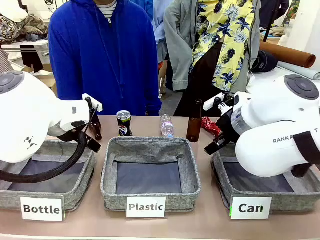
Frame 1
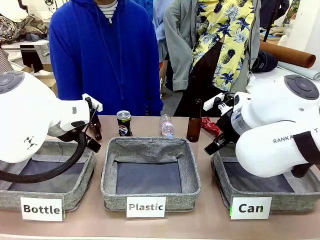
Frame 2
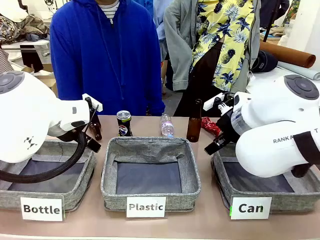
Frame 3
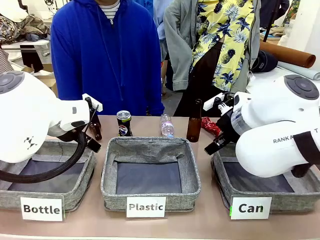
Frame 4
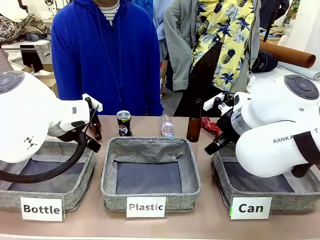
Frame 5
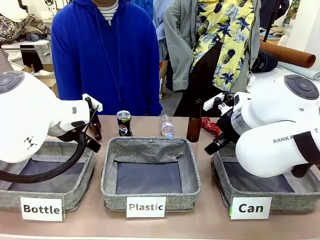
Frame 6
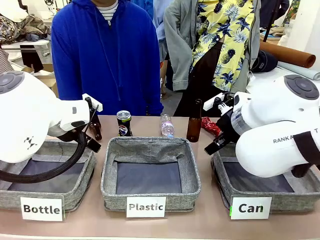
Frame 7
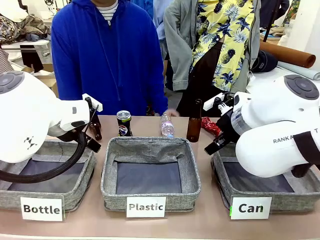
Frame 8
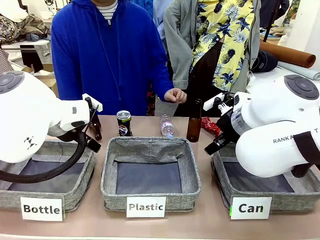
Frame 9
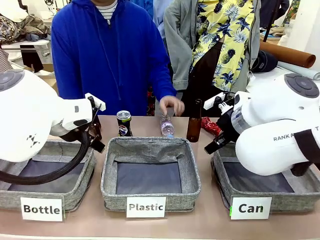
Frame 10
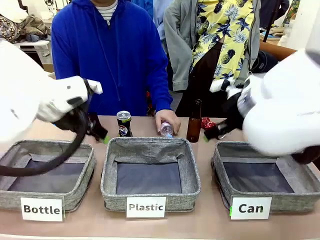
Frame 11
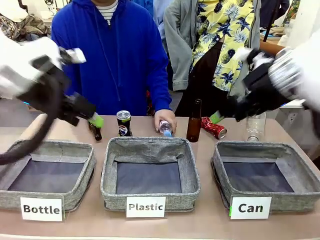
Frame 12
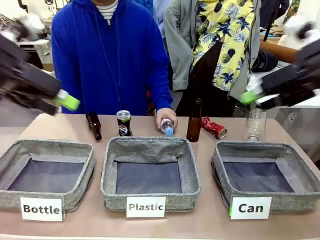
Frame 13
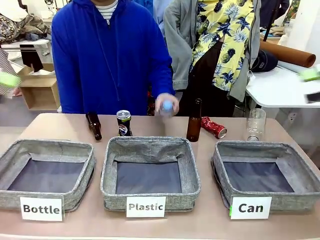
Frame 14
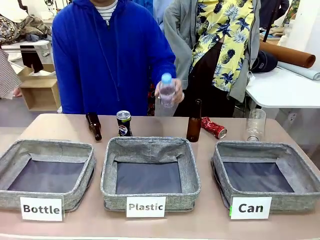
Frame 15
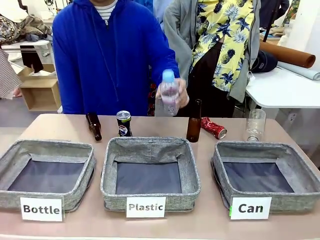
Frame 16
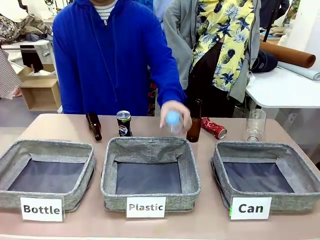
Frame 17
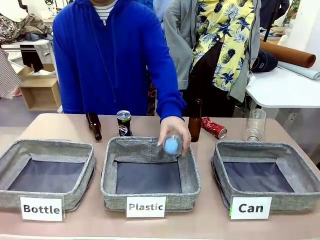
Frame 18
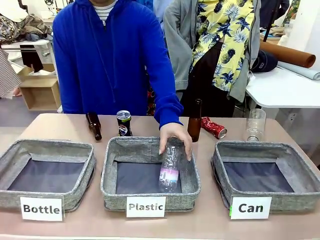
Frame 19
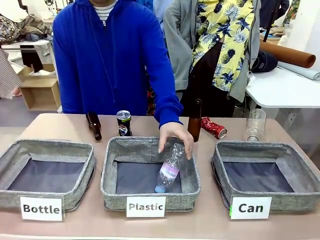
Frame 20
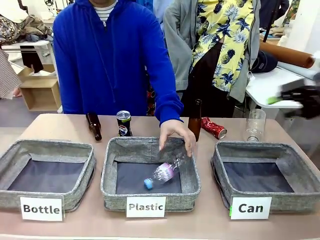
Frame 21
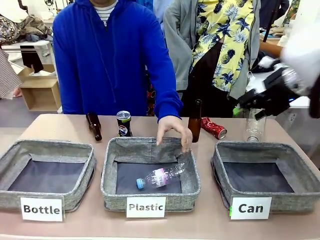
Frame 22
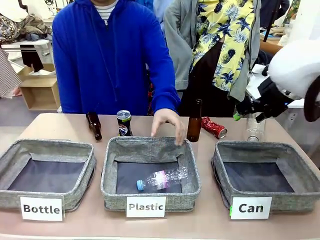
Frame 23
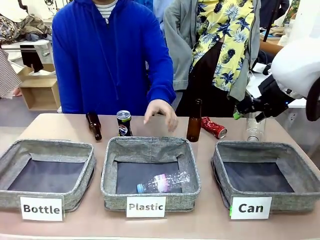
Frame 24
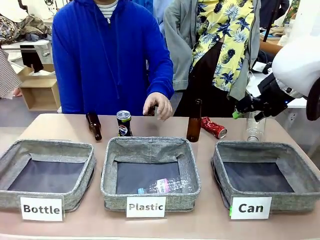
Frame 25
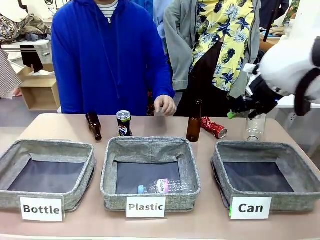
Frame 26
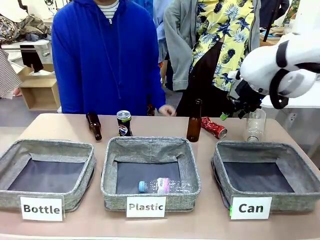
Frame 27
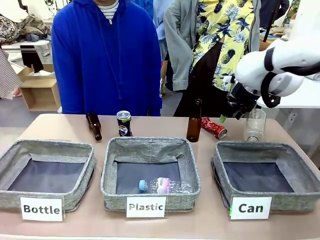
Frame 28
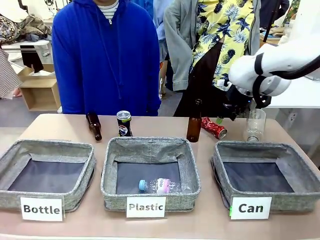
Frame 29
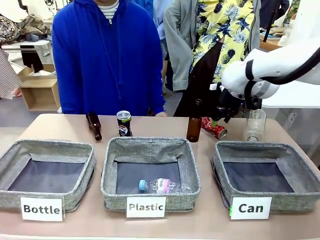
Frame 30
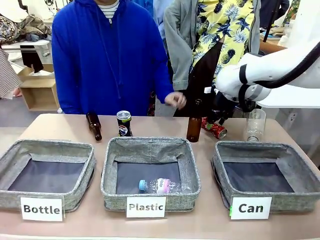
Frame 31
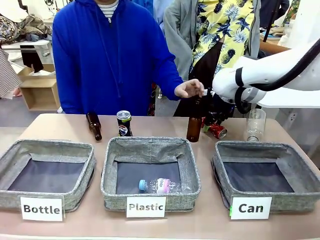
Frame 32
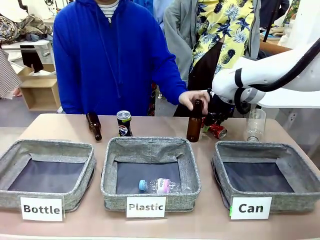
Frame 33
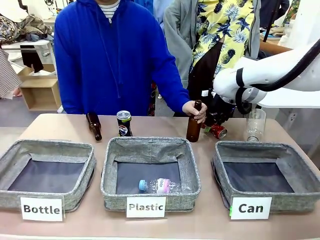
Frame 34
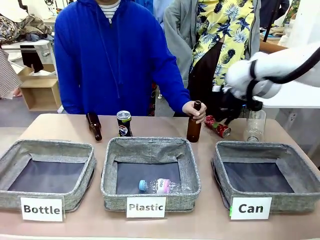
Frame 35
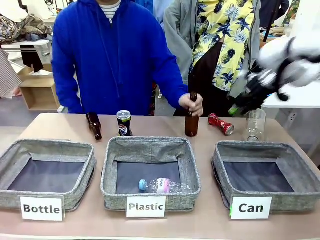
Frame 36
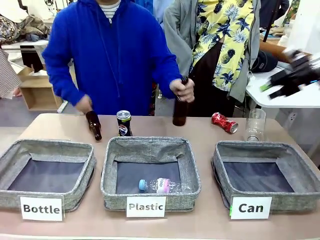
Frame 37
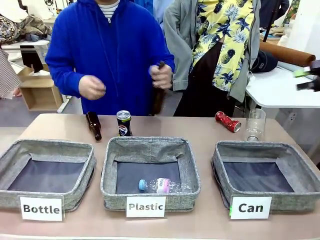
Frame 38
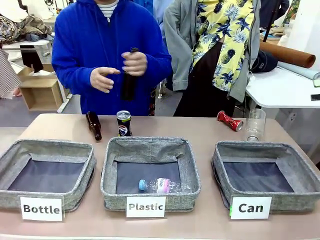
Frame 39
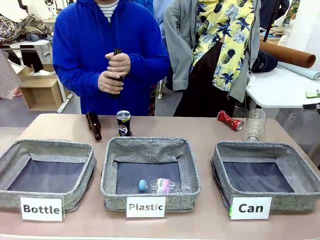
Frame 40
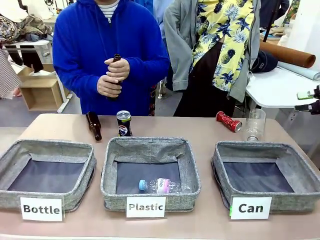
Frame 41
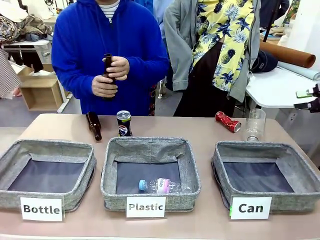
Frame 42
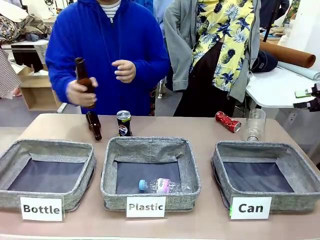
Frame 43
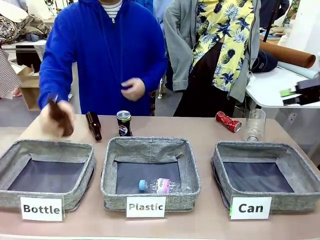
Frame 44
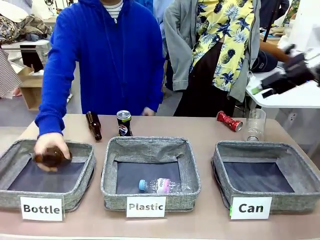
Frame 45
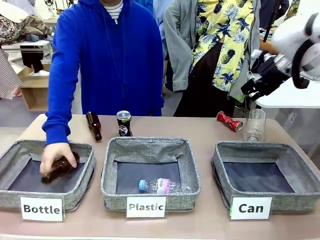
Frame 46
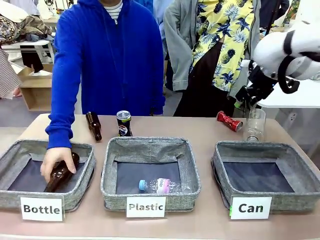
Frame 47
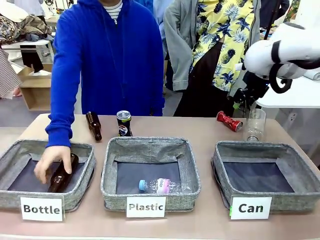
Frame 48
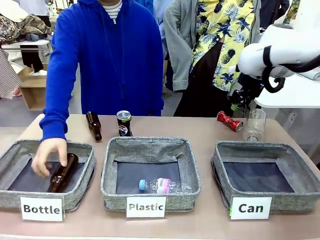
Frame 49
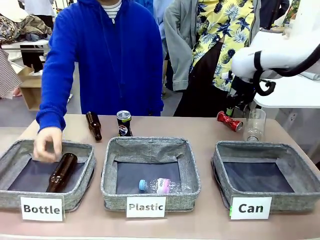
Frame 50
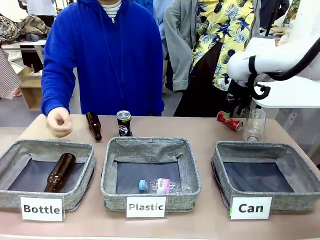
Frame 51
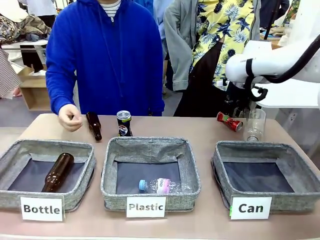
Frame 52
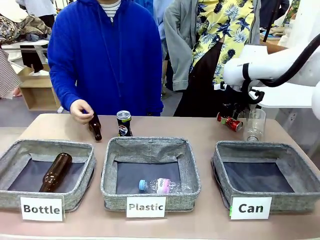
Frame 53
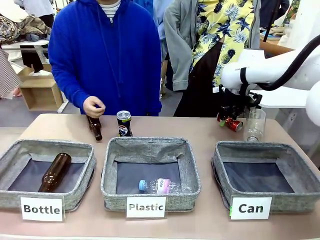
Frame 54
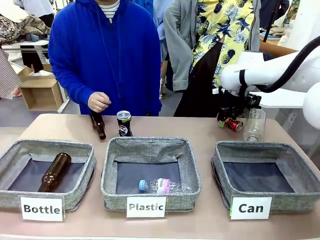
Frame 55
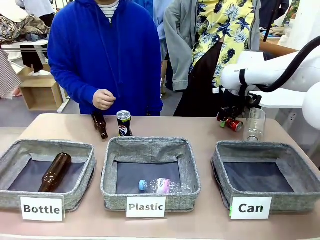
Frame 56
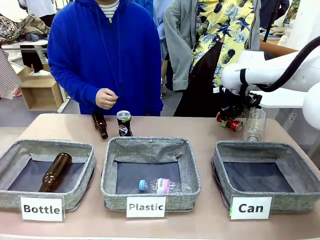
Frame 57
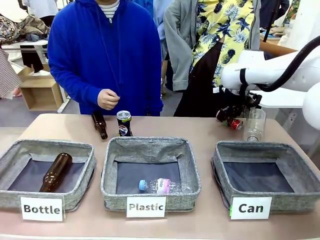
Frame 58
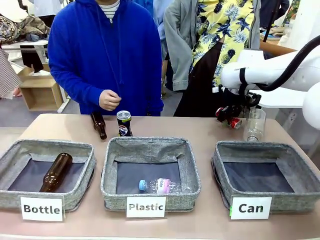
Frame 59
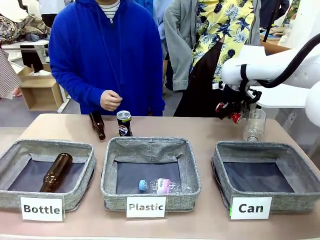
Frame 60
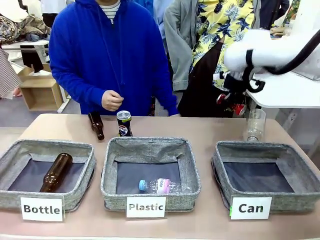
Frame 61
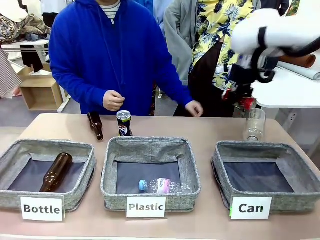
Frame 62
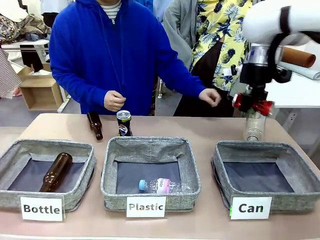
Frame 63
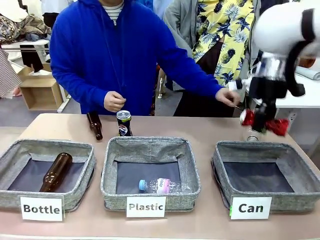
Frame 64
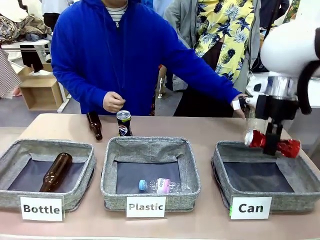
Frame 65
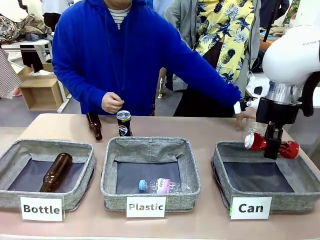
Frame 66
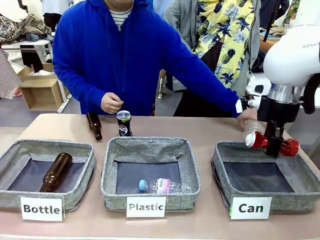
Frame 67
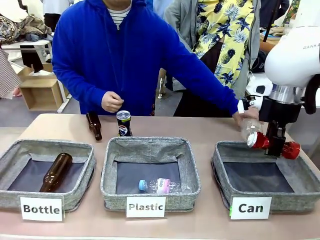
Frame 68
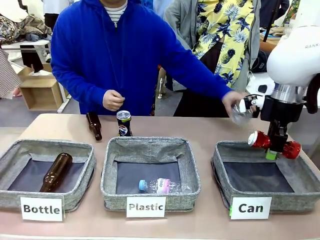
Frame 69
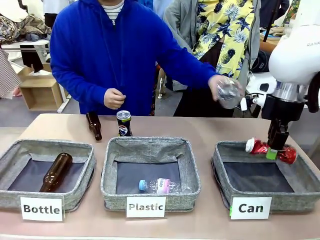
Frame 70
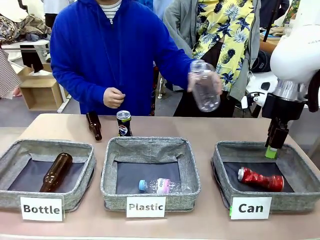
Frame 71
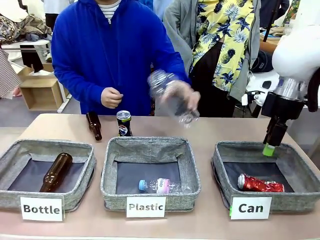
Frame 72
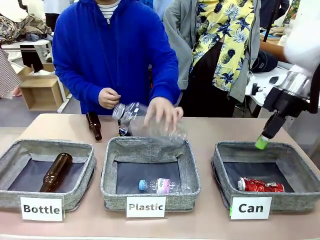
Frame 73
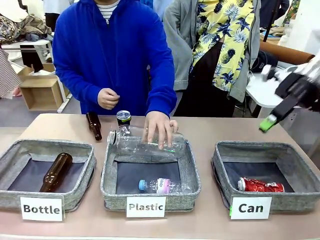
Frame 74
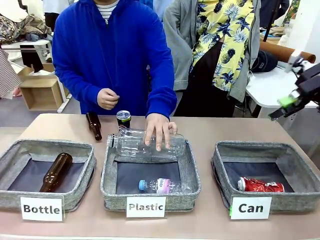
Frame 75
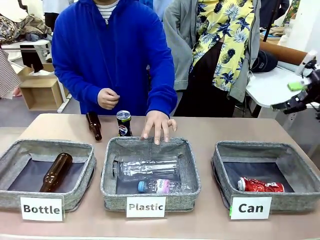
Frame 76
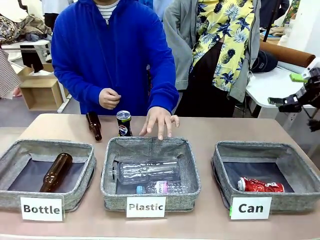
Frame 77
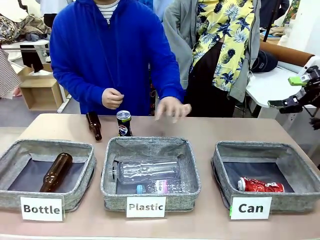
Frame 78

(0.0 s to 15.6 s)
Task: Sort the can waste into the basket.
Robot: Pick up the can waste from the table and place it in the right Fabric basket.
